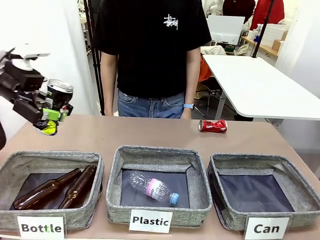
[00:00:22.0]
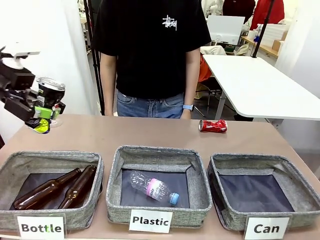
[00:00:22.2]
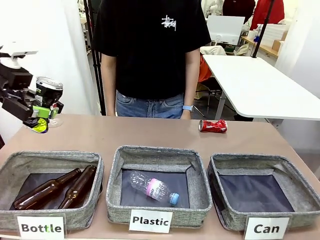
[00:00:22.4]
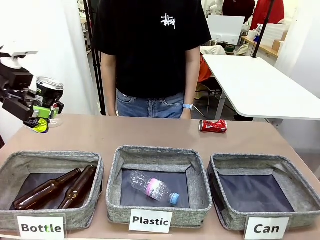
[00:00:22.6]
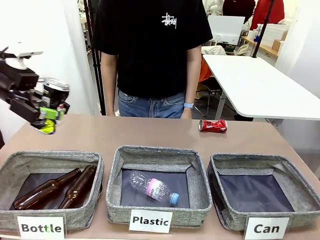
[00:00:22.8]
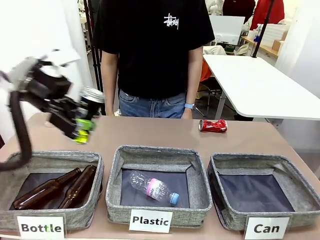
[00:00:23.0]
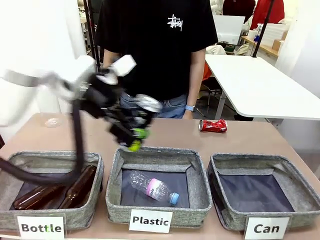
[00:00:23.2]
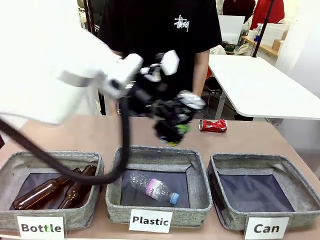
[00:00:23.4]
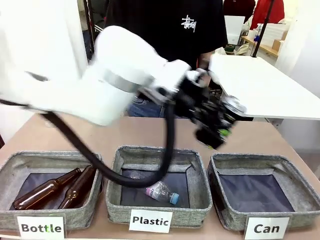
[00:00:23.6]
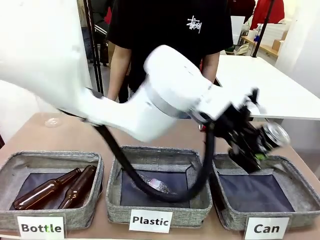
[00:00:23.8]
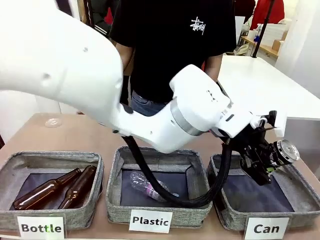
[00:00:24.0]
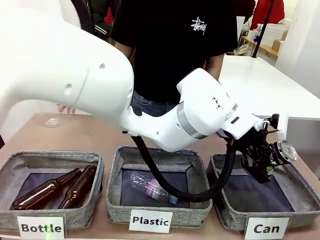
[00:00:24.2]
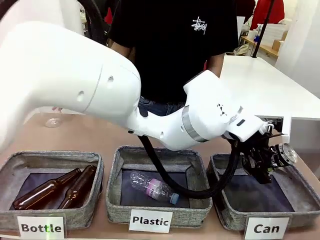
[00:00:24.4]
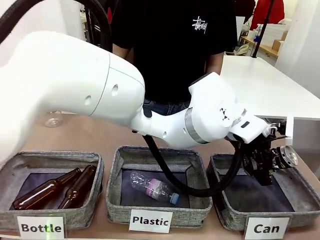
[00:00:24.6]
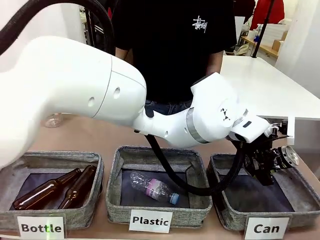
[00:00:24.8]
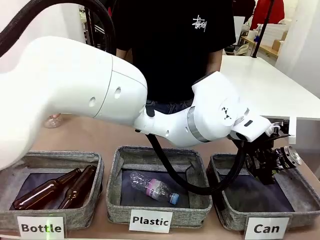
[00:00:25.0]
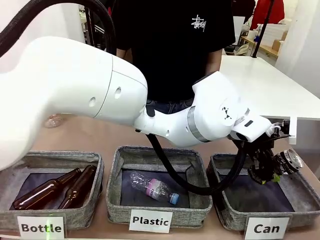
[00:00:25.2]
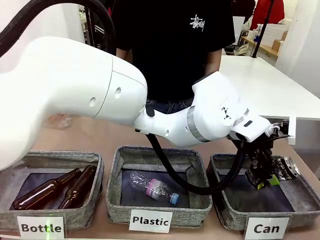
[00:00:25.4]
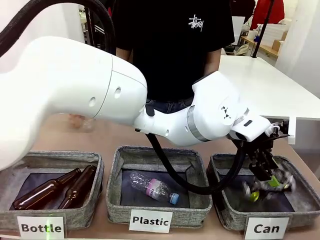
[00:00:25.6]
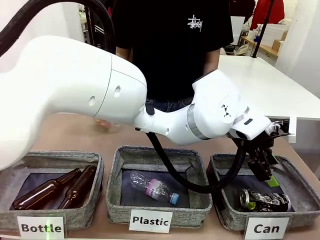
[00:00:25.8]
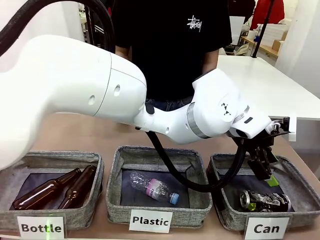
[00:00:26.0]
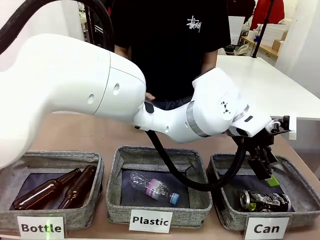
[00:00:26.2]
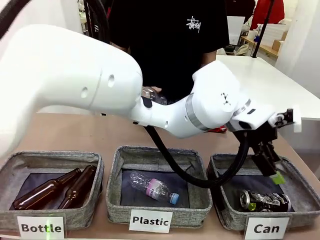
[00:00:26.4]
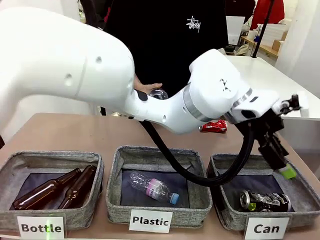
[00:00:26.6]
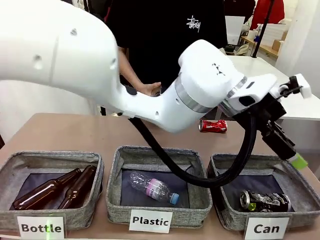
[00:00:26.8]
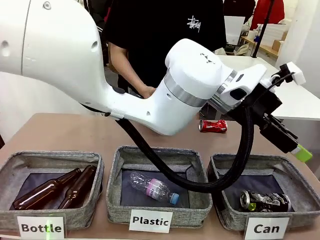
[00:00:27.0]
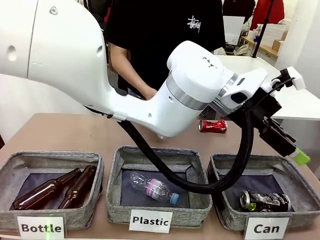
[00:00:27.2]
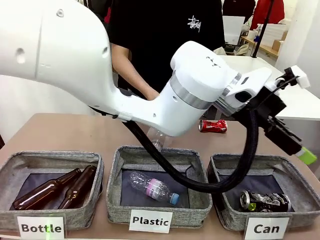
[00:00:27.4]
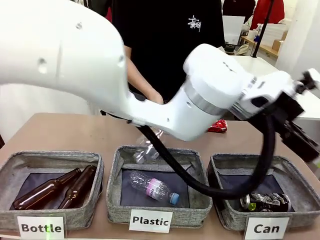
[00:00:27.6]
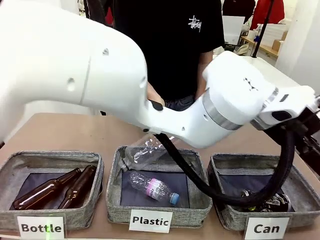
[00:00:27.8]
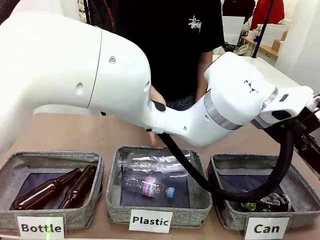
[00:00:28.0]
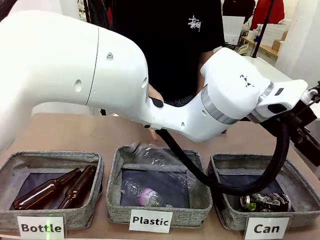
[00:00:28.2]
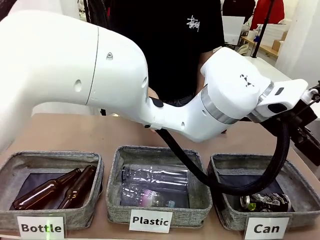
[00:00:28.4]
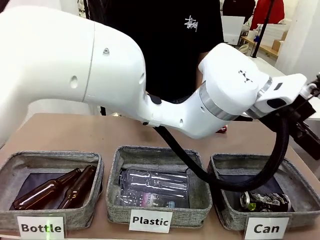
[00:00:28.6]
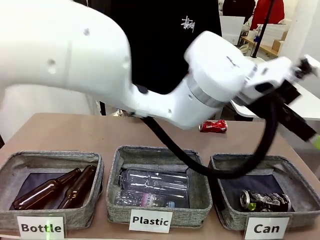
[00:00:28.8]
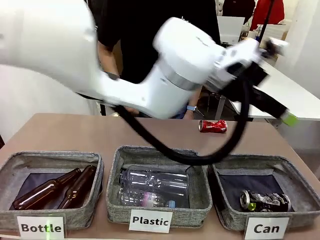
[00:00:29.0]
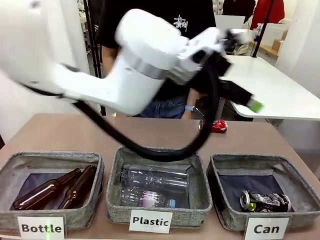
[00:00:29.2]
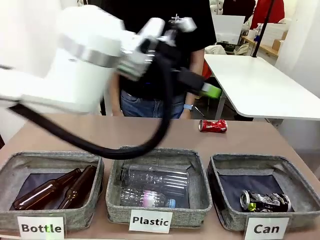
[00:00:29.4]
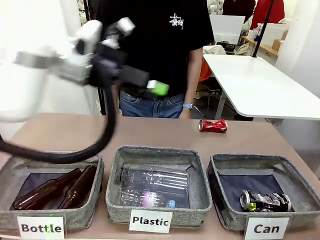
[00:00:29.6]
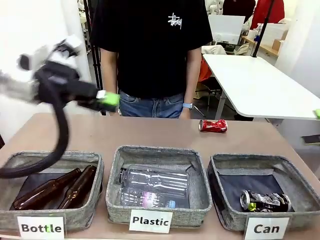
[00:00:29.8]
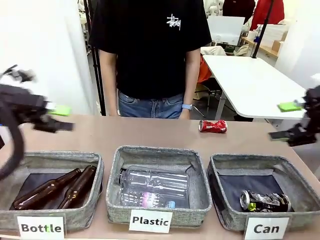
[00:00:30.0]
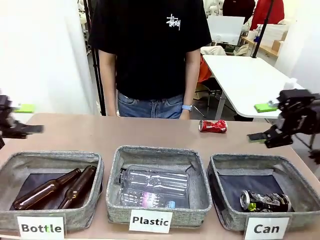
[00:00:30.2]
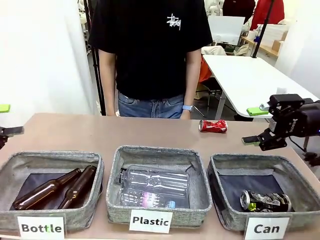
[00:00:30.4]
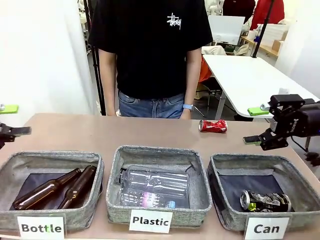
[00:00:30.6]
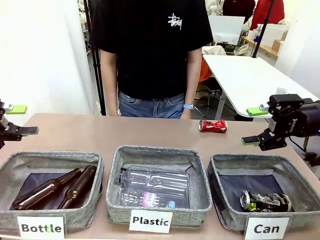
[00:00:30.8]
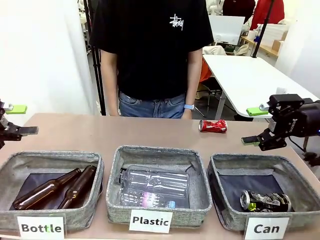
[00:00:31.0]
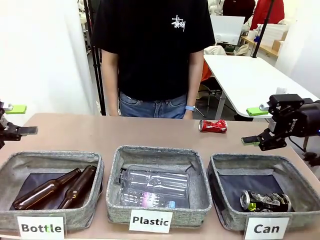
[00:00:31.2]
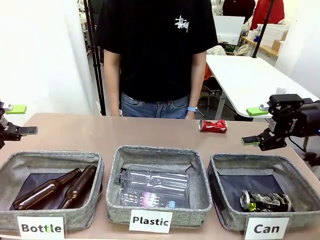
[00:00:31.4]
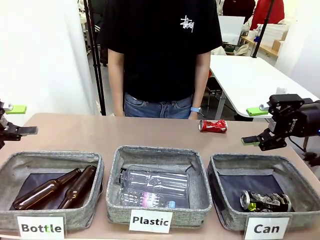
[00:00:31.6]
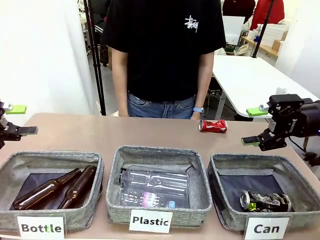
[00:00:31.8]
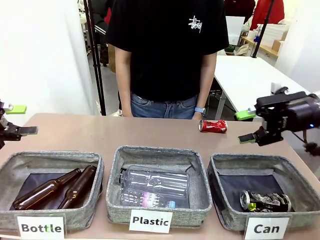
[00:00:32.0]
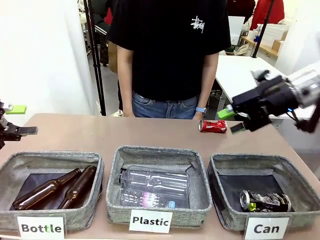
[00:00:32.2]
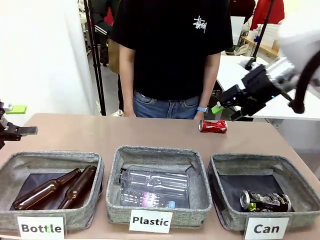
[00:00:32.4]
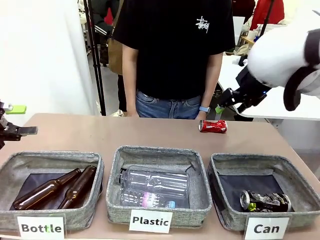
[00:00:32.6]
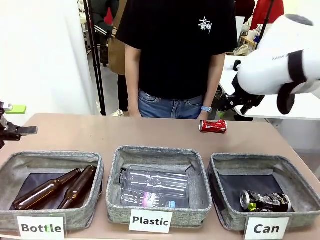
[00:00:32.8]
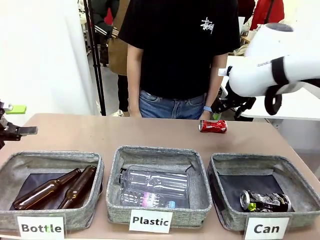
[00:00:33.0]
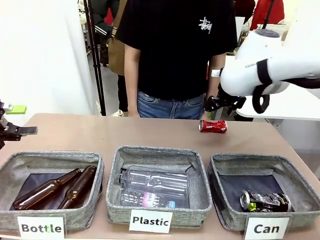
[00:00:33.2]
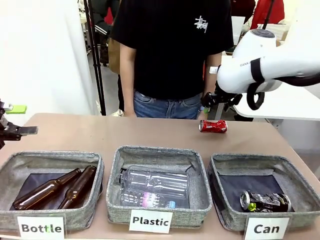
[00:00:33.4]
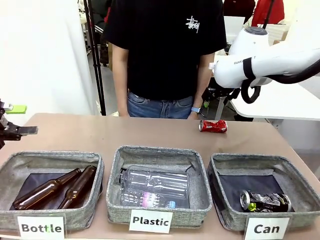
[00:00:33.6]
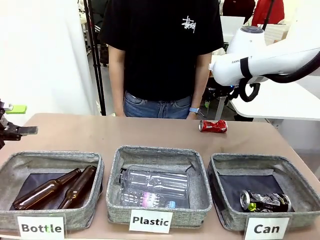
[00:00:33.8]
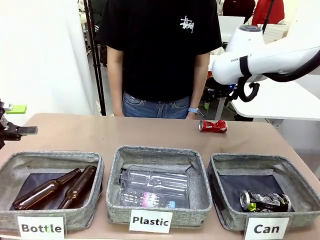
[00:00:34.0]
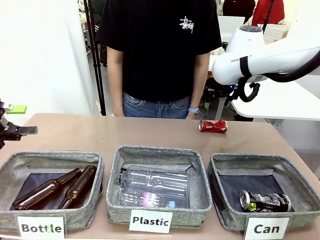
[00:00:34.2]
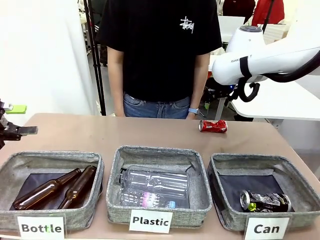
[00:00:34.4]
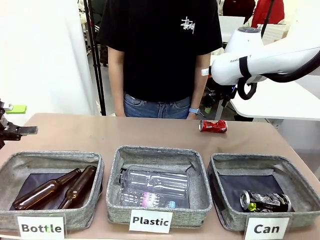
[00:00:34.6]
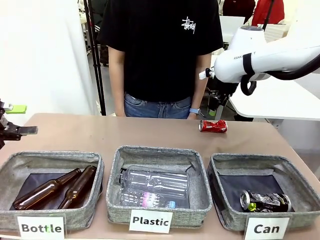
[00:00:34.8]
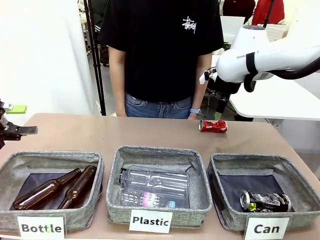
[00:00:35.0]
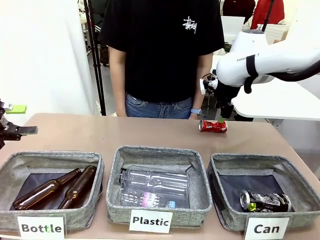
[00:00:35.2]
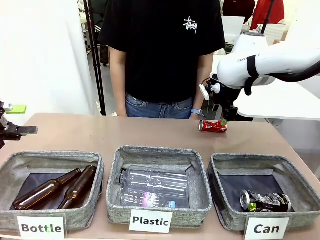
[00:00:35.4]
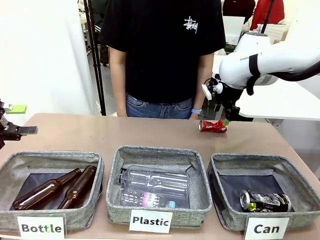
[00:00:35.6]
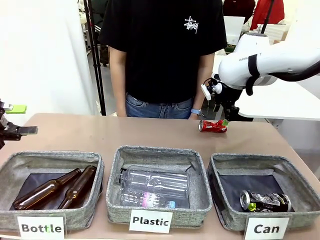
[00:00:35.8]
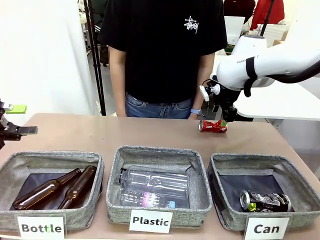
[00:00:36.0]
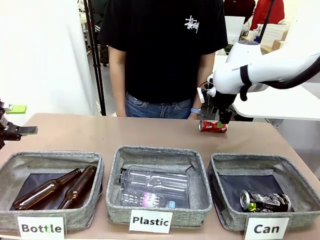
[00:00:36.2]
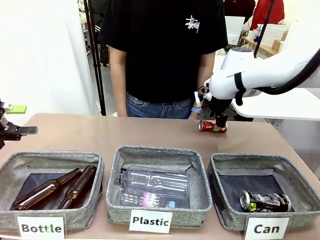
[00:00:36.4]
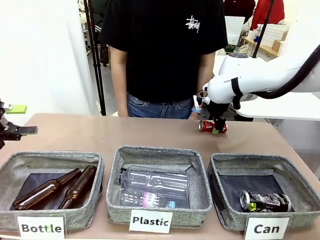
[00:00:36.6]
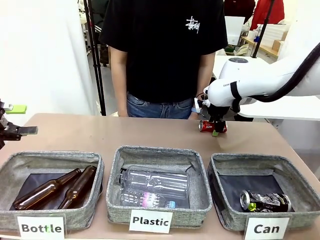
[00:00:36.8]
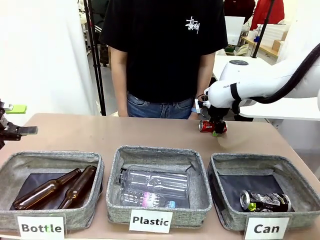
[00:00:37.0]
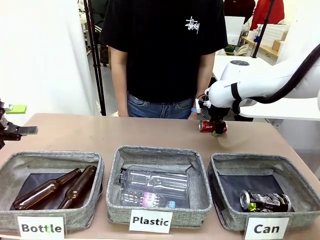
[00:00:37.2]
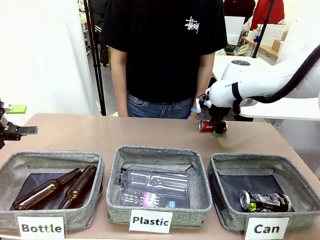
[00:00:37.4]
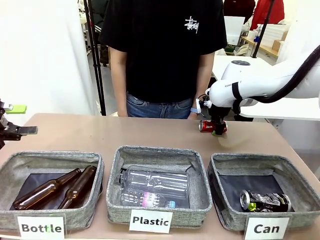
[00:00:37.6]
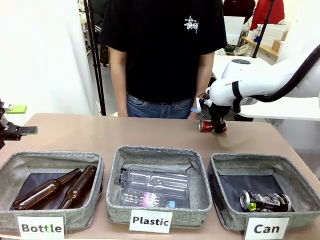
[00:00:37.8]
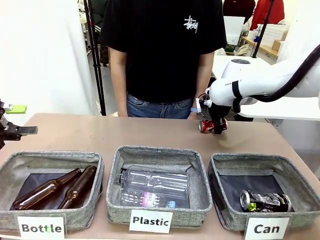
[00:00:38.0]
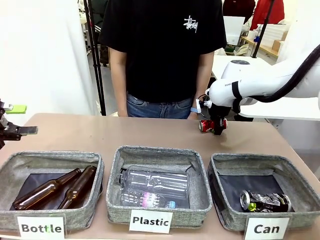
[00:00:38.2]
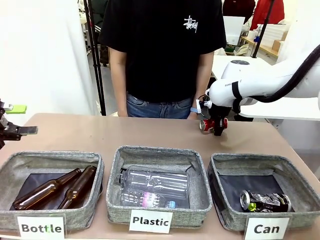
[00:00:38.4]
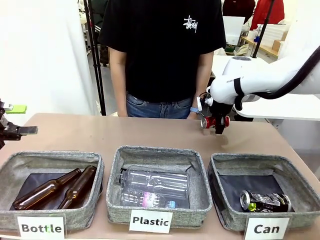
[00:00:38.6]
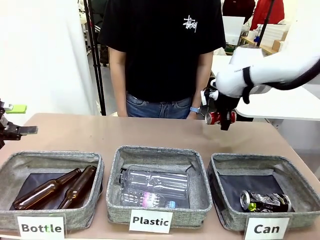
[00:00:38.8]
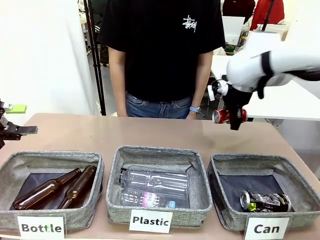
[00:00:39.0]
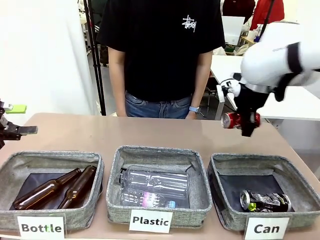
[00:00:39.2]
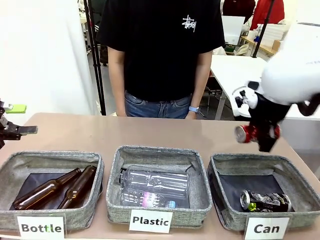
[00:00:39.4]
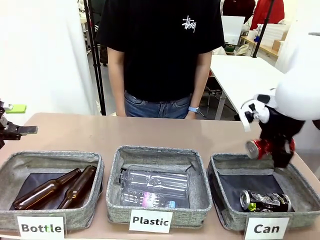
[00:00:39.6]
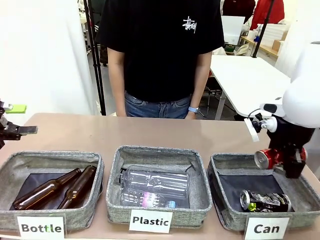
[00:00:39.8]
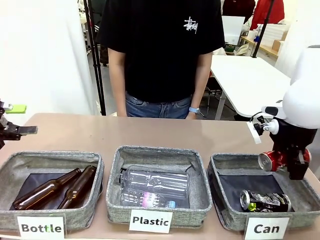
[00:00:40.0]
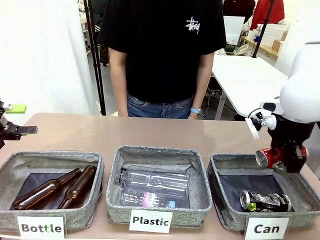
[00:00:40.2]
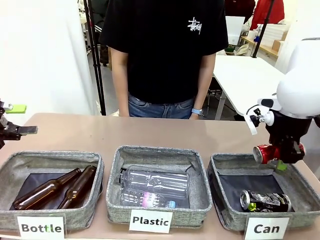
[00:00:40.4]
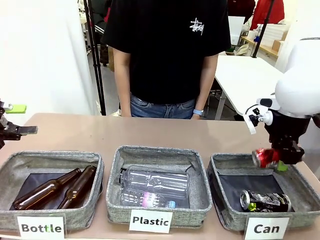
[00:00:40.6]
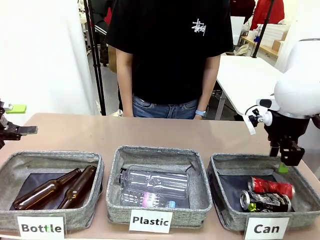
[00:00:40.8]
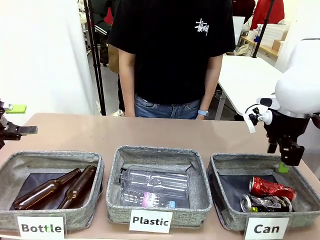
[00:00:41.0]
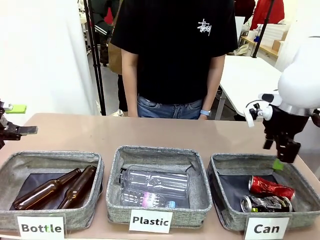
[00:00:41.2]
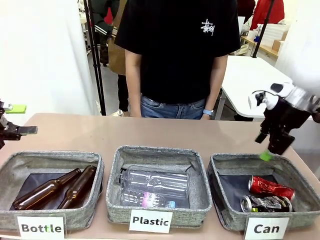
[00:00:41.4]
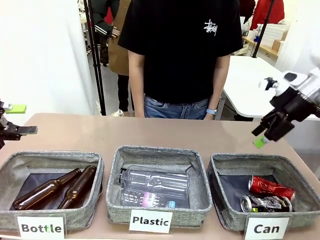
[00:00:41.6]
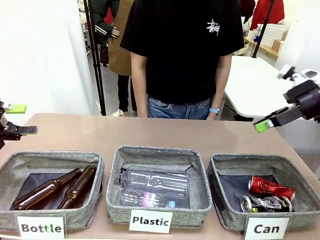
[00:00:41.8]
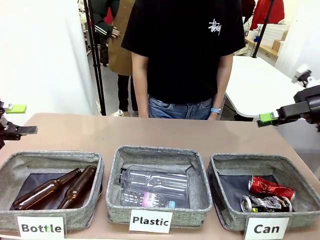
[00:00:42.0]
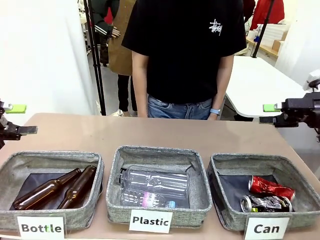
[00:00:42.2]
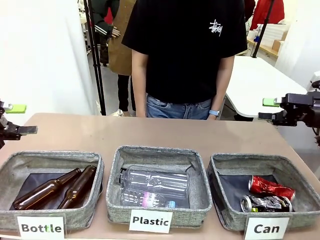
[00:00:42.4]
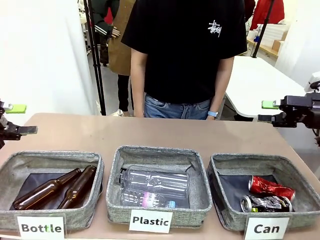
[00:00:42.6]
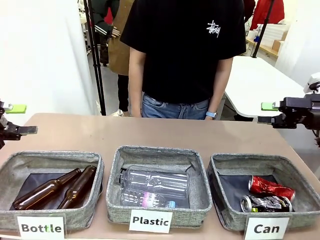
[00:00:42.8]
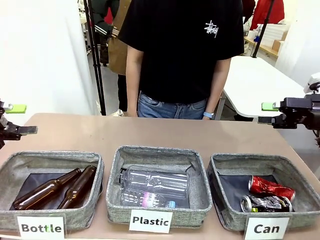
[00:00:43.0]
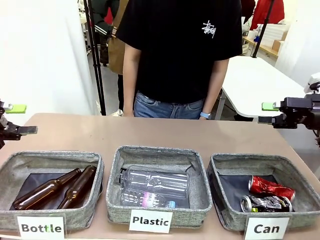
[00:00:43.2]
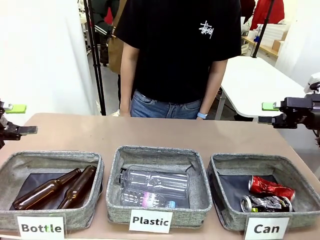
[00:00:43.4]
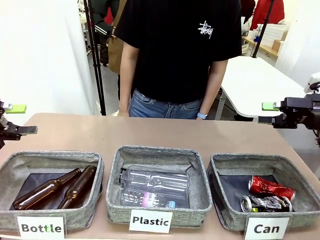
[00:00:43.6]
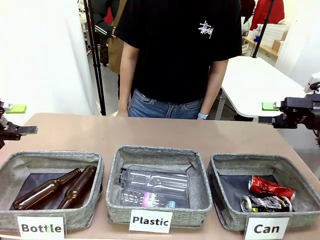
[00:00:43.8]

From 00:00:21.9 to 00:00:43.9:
Task: Sort the can waste into the basket.
Robot: Pick up the can waste from the table and place it in the right Fabric basket.
Person: The human picks up one piece of trash that is not a can and places the trash into the appropriate organizing basket.
